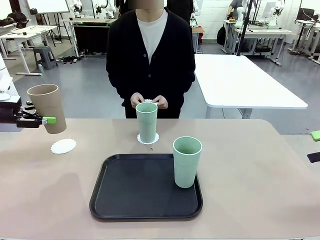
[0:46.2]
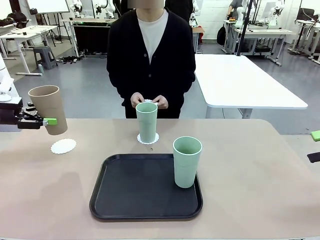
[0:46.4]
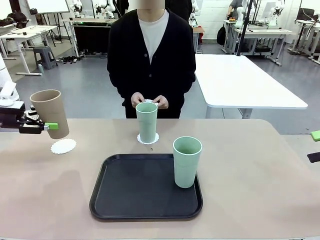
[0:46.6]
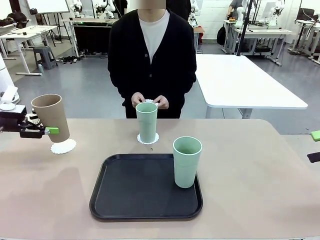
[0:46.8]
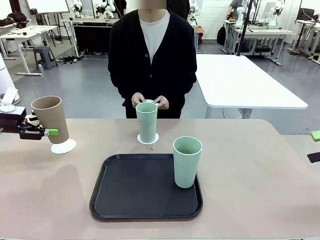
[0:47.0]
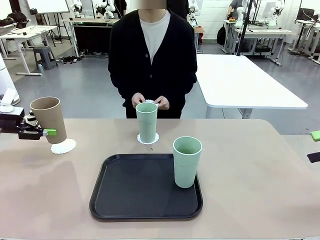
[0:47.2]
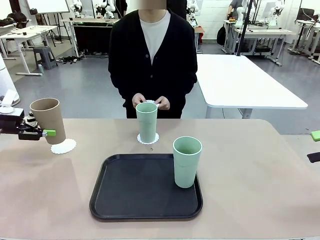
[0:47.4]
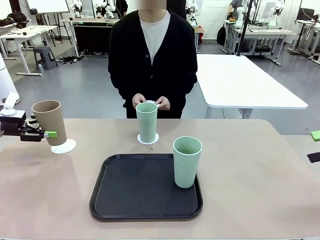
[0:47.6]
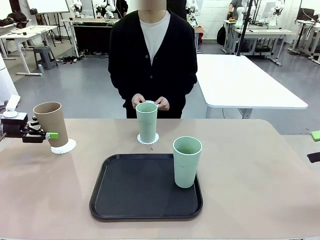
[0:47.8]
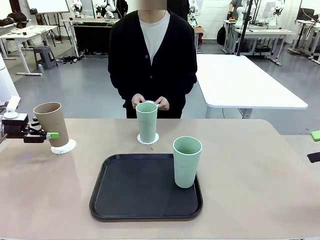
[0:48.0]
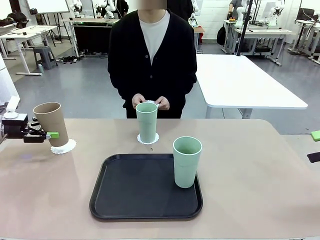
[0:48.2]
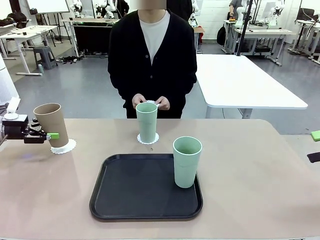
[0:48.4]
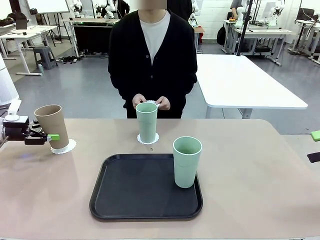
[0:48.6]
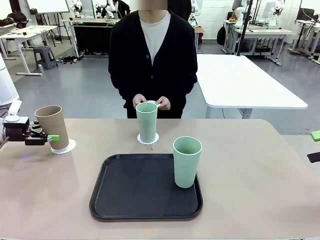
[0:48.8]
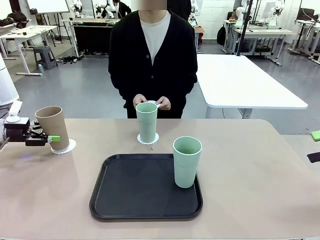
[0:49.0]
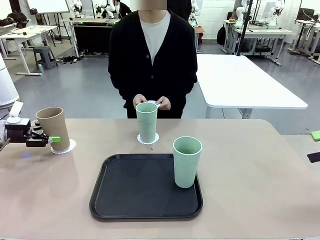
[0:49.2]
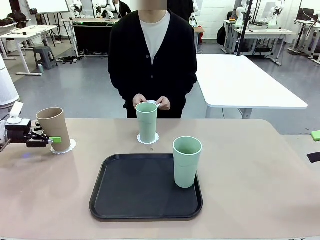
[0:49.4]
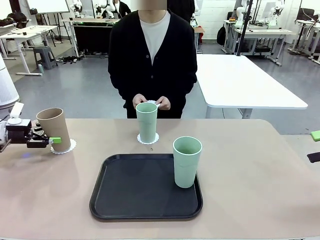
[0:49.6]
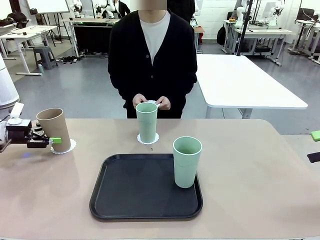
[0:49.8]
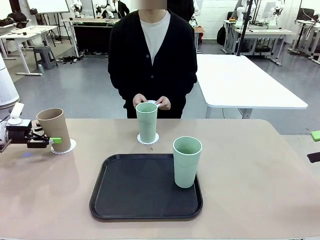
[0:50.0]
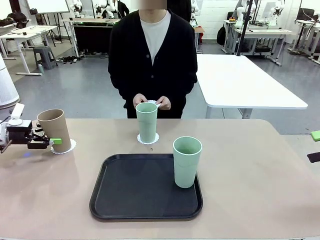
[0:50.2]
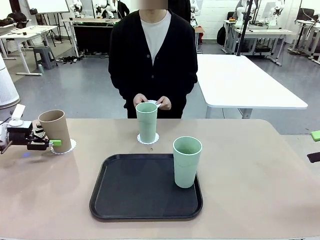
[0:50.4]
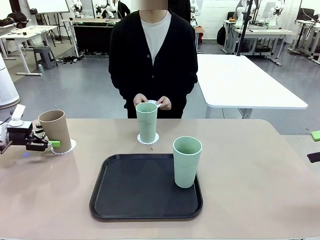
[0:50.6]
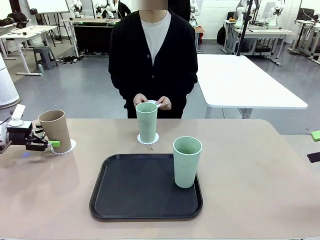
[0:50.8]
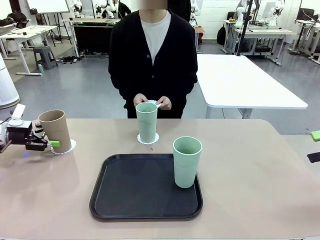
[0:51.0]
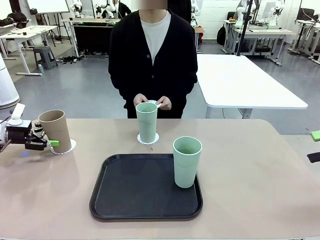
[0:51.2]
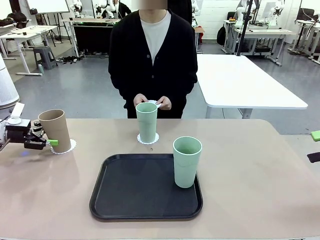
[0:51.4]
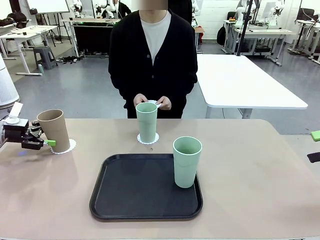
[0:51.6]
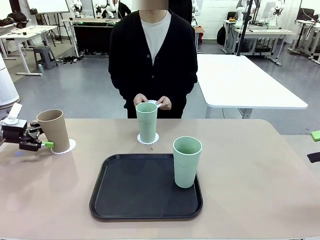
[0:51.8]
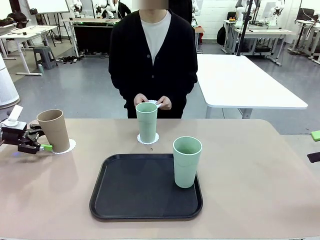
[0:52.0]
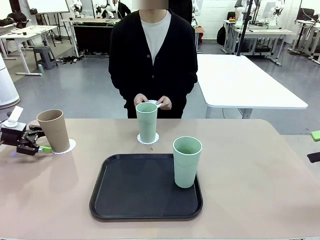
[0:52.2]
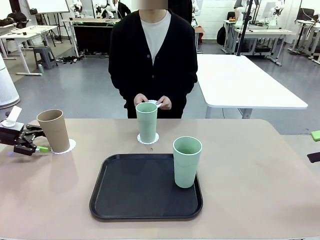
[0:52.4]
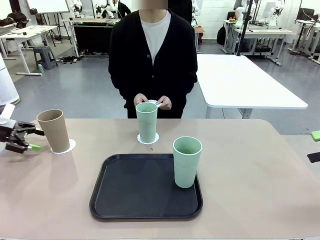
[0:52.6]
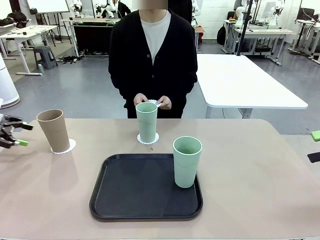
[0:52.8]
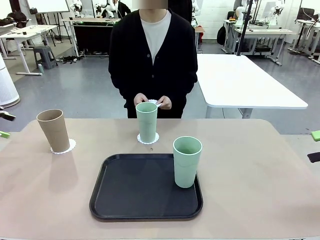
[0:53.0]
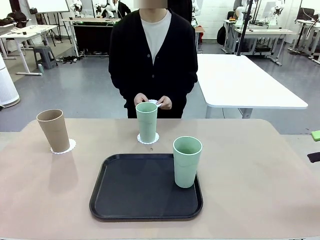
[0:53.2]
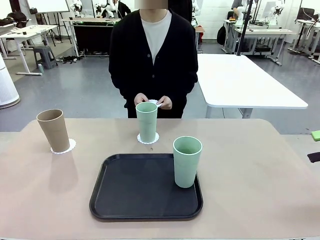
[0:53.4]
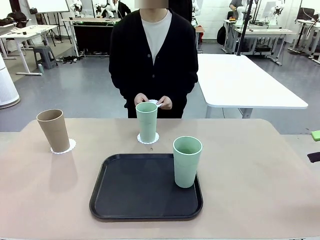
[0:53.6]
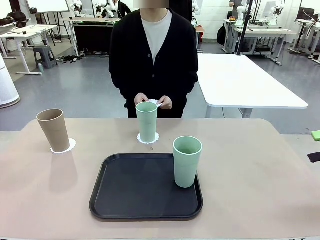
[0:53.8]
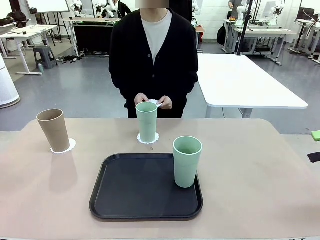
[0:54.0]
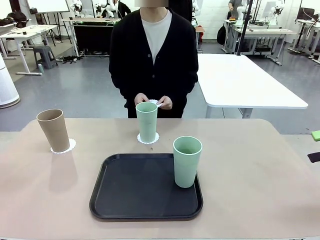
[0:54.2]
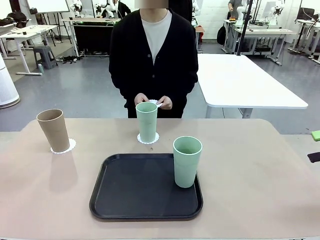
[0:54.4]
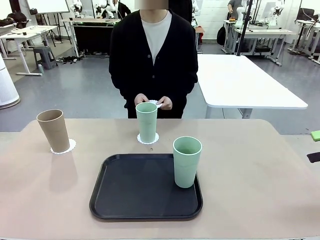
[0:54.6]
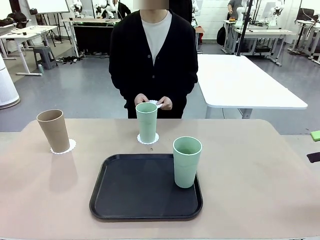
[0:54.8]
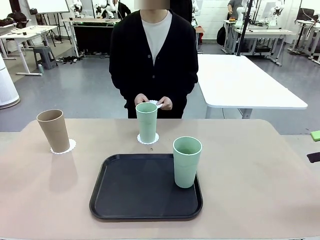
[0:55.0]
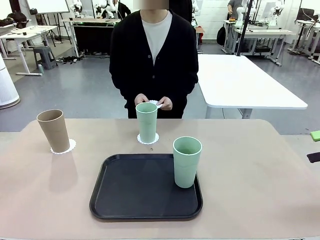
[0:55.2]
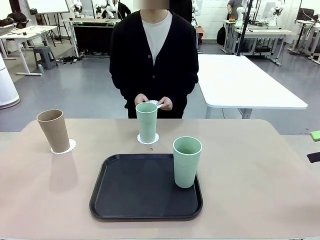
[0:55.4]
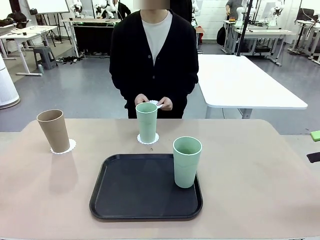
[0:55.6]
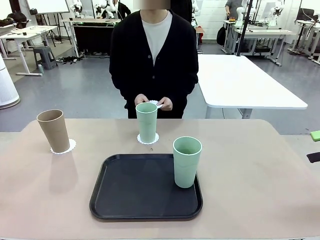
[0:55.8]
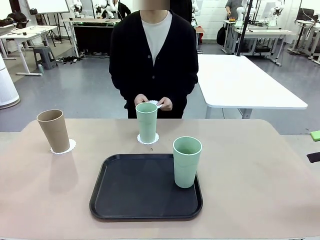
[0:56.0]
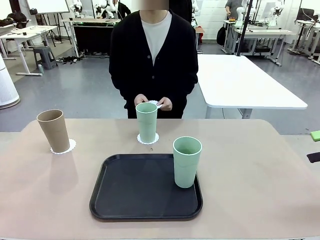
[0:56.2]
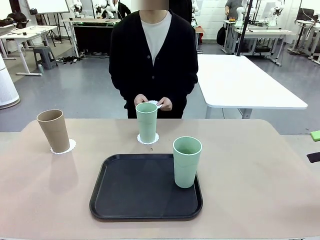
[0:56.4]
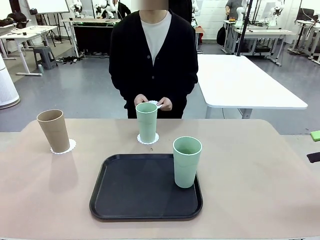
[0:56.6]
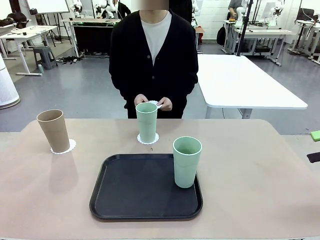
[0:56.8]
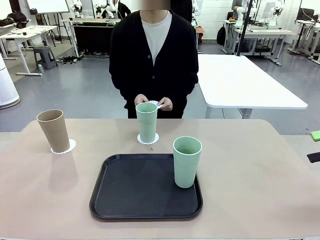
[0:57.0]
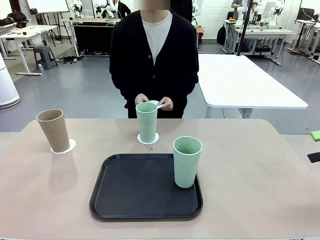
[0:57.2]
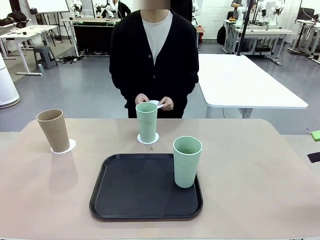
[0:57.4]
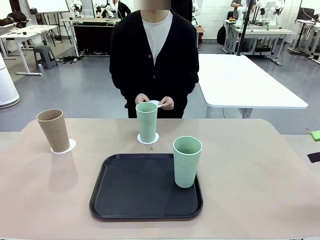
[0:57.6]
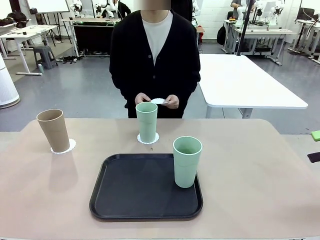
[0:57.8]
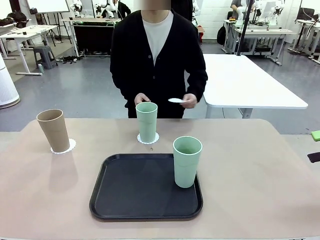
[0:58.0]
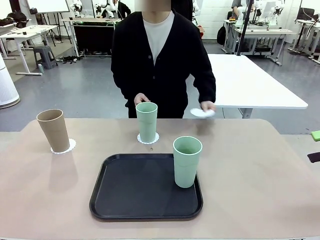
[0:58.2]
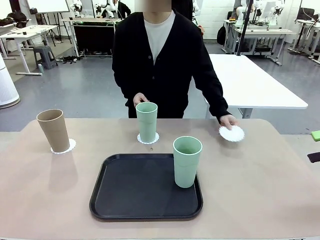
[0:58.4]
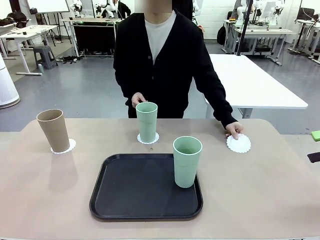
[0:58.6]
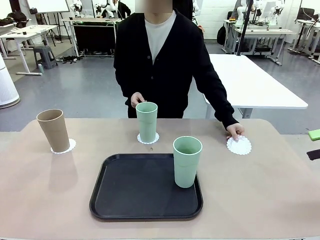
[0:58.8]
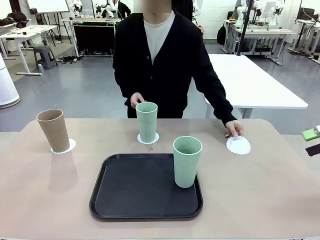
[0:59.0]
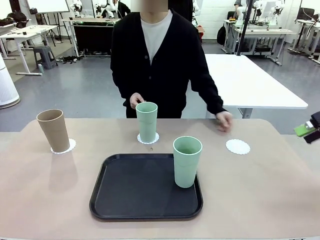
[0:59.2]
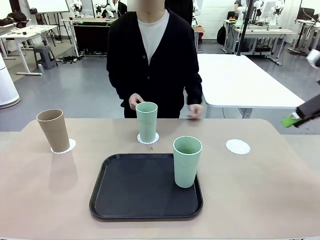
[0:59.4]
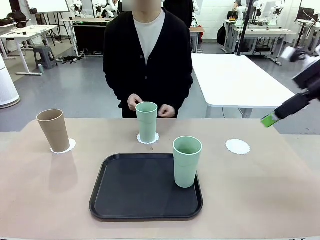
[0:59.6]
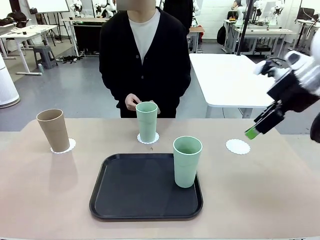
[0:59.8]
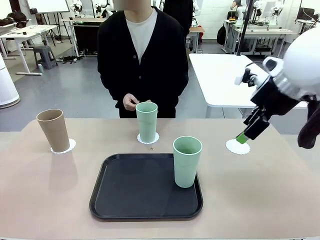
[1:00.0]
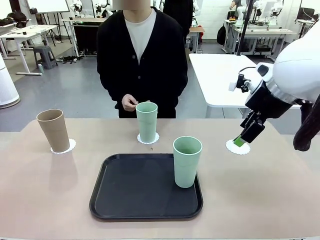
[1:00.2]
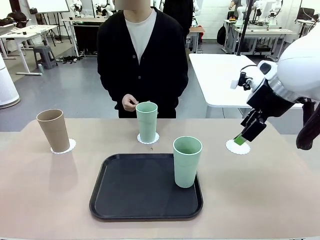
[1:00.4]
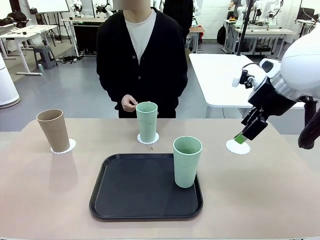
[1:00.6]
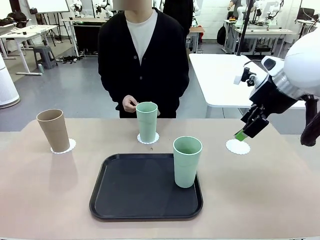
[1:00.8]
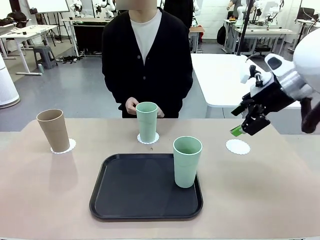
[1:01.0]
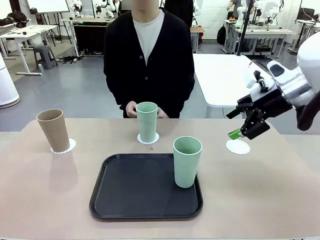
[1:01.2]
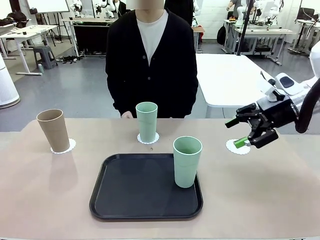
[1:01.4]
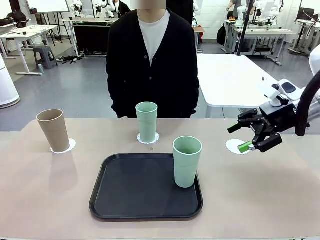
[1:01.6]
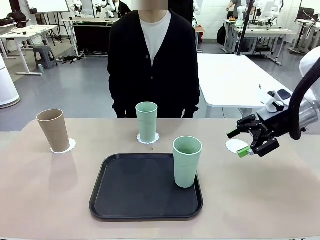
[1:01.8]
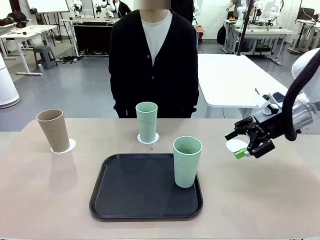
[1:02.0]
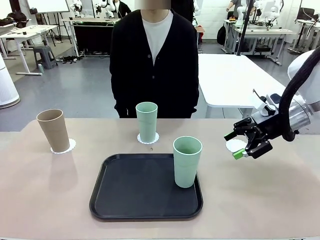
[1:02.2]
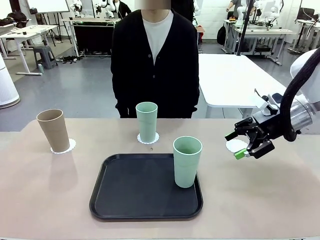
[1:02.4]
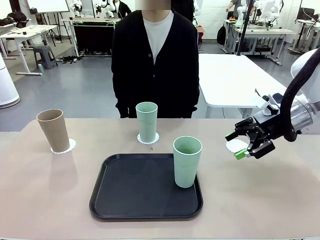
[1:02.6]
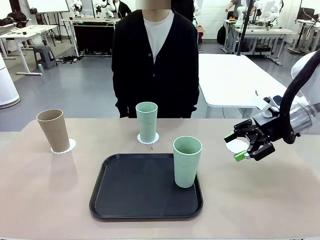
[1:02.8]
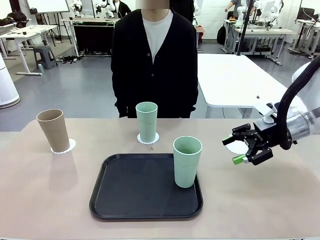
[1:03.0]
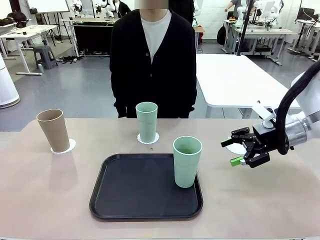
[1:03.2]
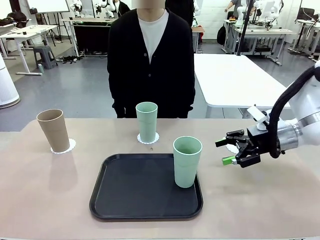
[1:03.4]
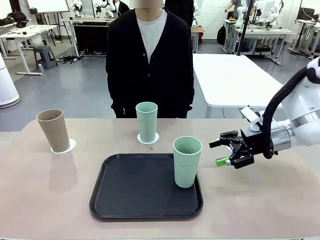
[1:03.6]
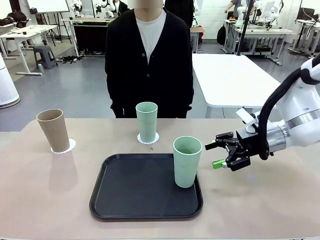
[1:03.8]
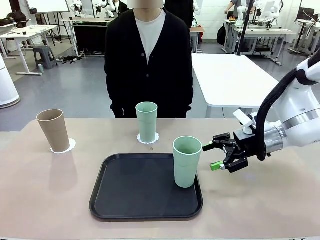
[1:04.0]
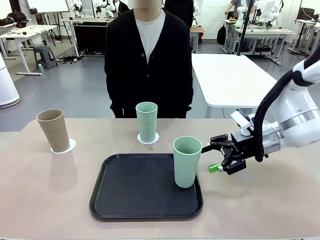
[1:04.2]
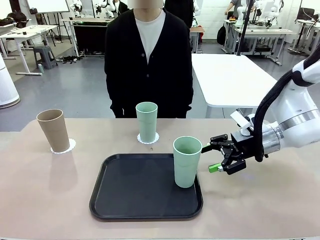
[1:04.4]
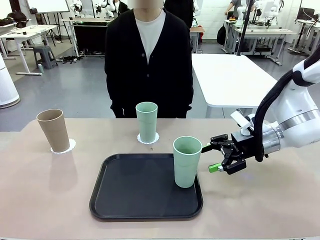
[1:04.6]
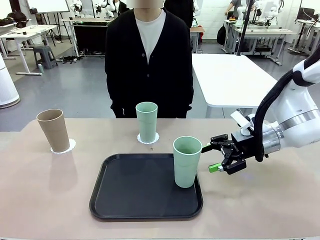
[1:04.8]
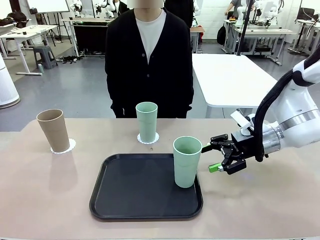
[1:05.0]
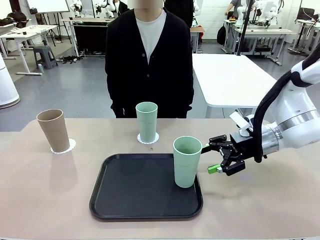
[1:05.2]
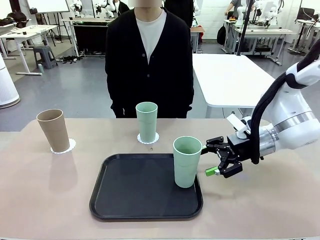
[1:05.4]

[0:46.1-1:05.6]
Task: Place coasters on the table and set cups on them.
Robot: Take one Reusable plastic cup from the Flat Tray and place it on a coaster set by the human.
